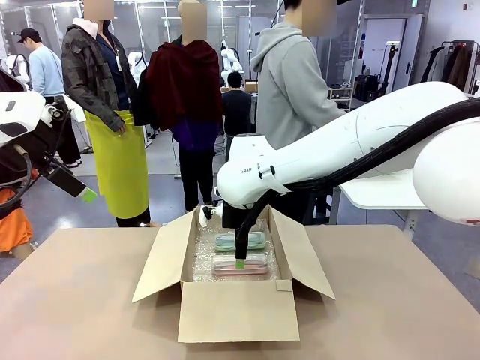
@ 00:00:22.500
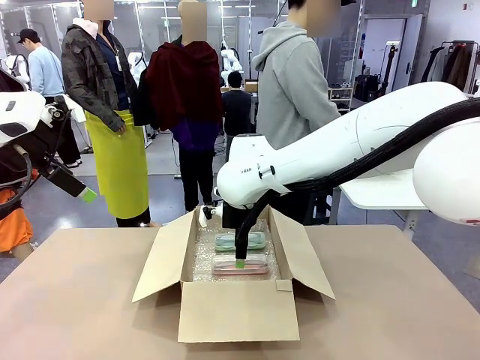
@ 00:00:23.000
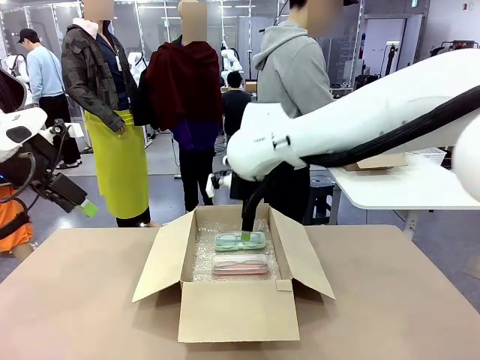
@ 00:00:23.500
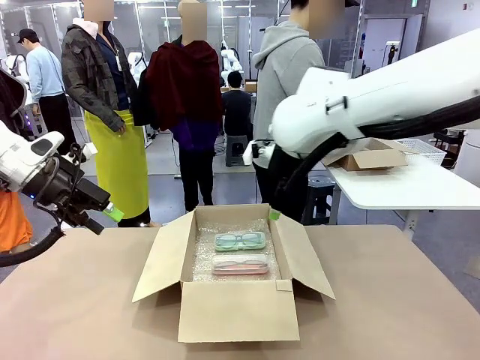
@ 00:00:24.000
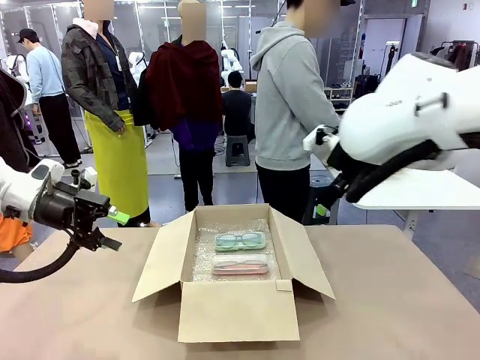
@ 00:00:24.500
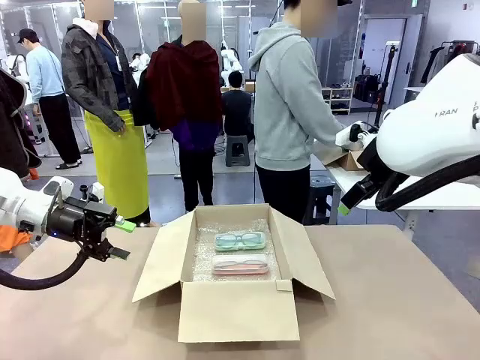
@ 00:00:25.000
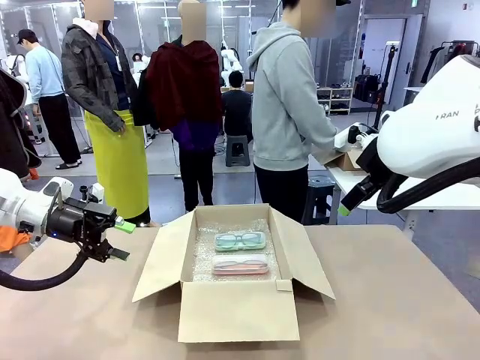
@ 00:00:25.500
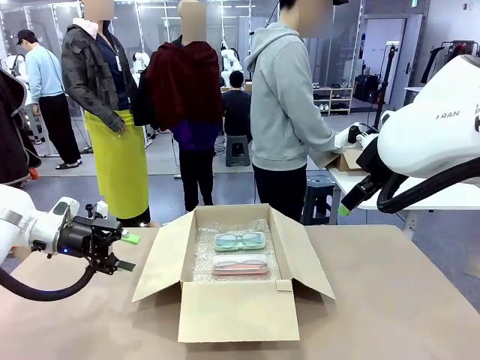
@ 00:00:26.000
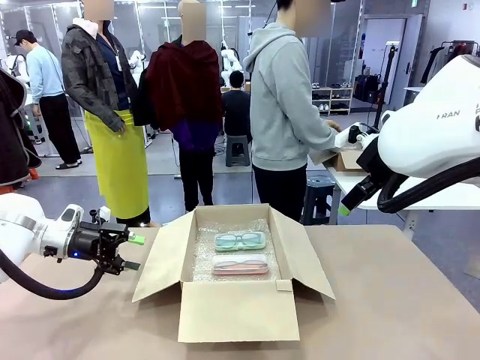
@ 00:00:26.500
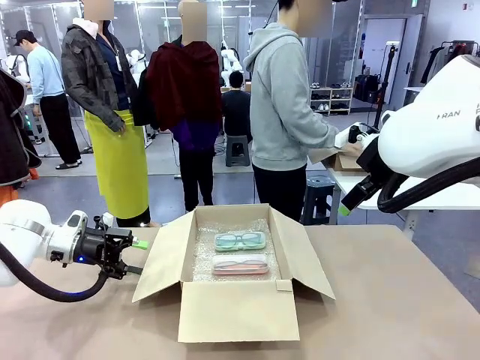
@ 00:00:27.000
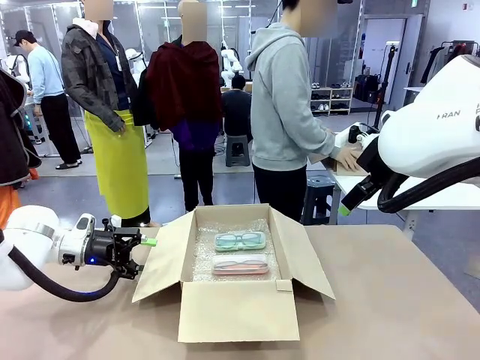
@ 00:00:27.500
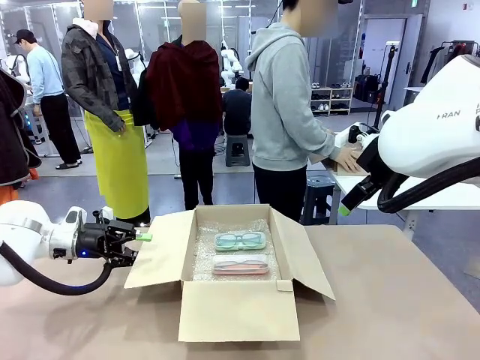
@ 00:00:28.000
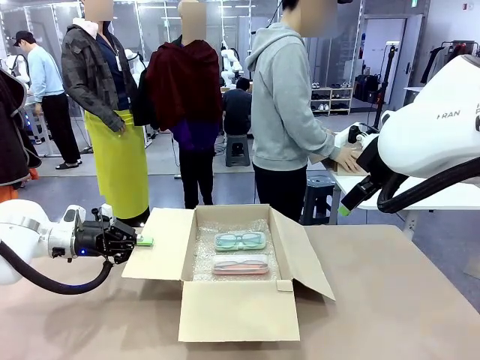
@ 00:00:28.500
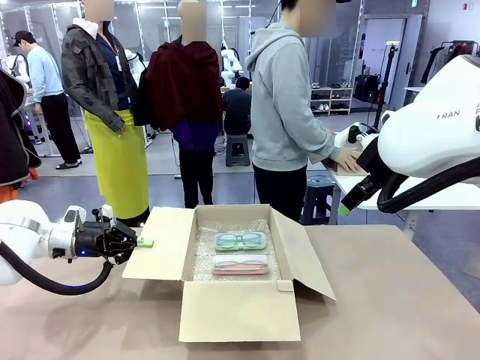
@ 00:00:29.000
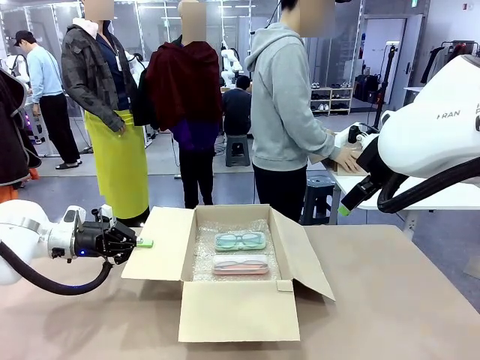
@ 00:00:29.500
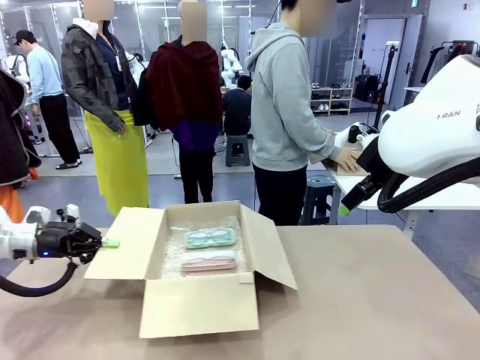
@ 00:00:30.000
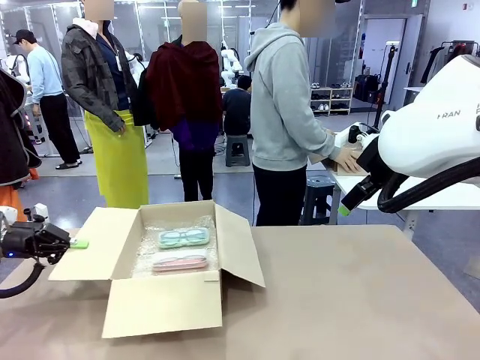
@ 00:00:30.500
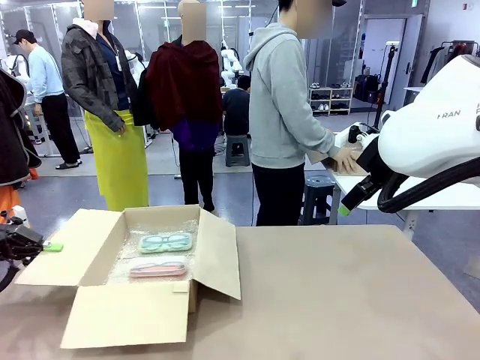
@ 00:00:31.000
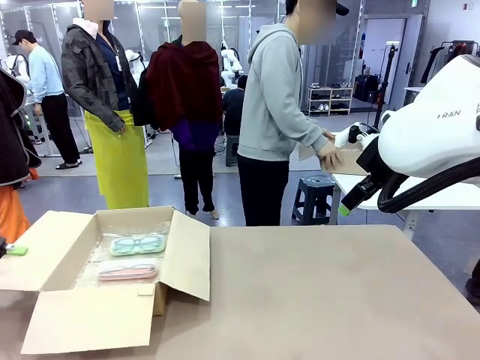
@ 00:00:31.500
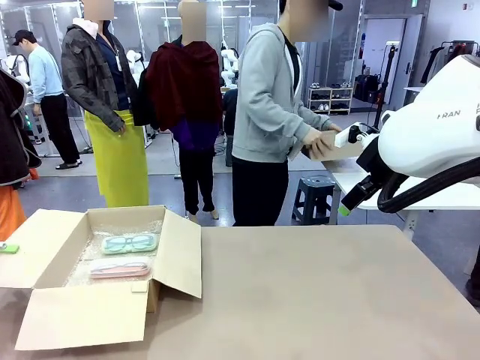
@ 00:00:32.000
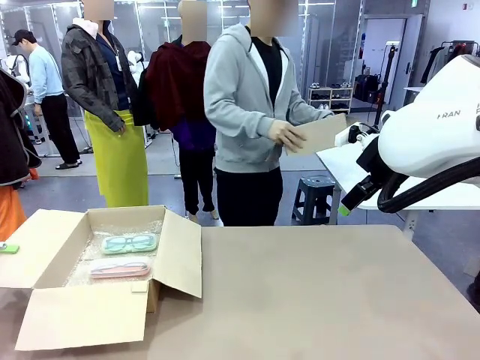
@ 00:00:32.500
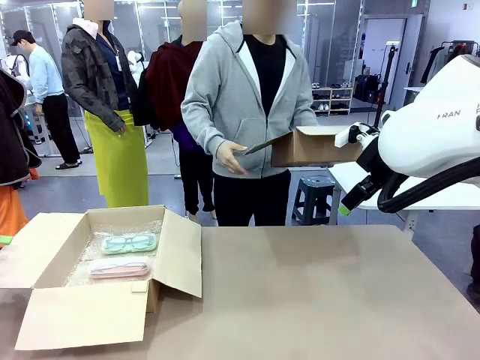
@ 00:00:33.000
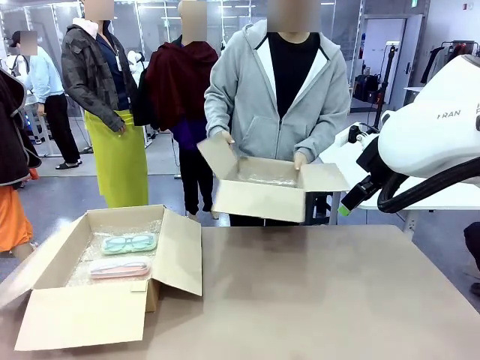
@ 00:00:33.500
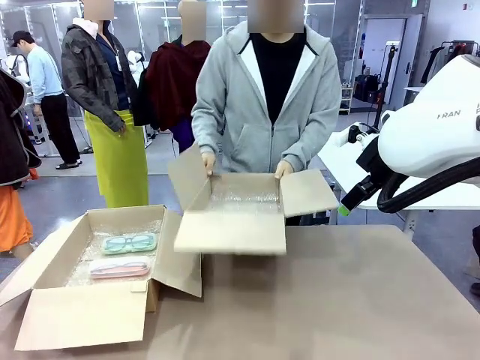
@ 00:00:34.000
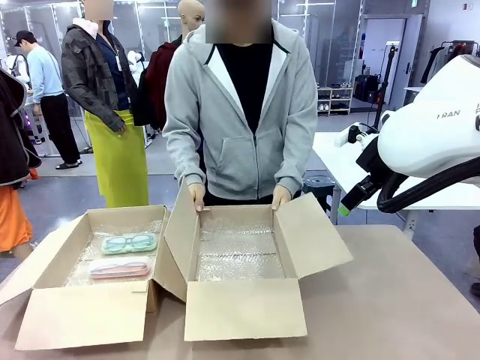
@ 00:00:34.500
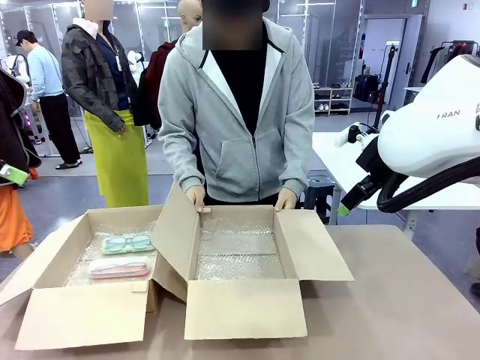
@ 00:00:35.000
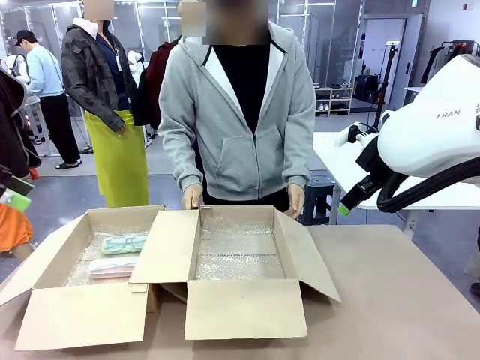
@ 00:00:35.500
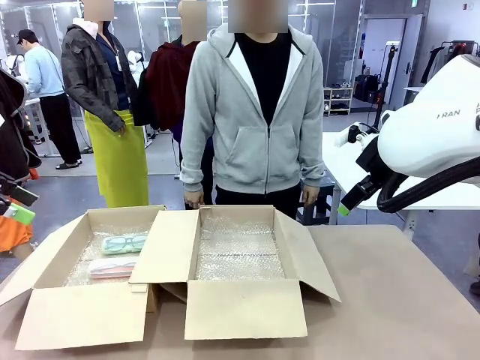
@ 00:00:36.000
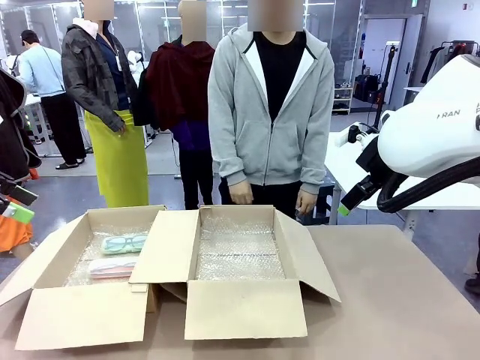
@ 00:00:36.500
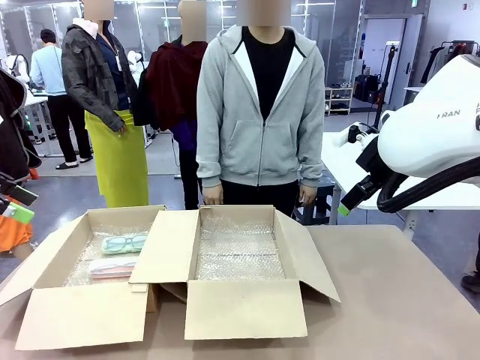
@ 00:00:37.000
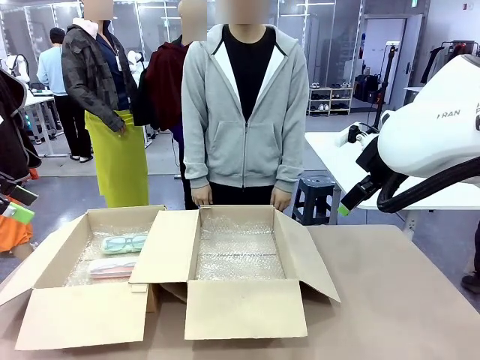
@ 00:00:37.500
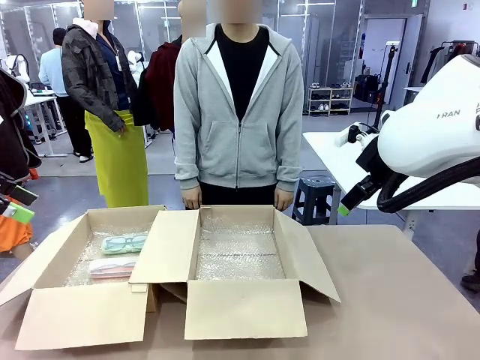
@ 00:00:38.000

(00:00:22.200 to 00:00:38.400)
Task: Pack the glasses set securely to prepare it for shipping.
Robot: Position the Package Box on the left side of the table.
Person: Position the empty Package Box in the middle of the robot's table.
